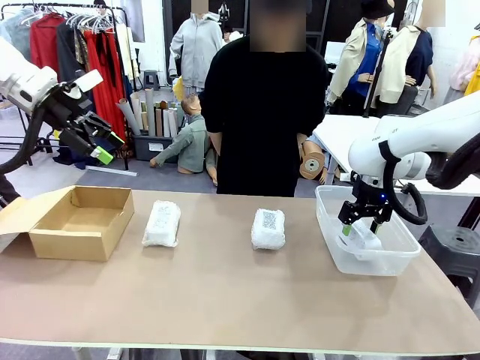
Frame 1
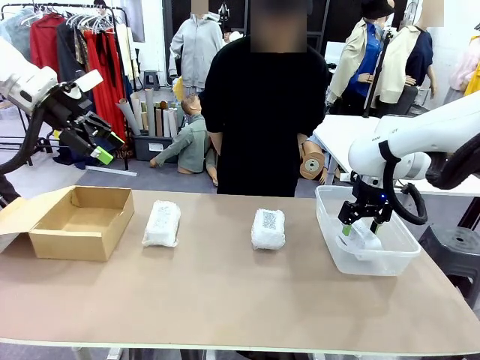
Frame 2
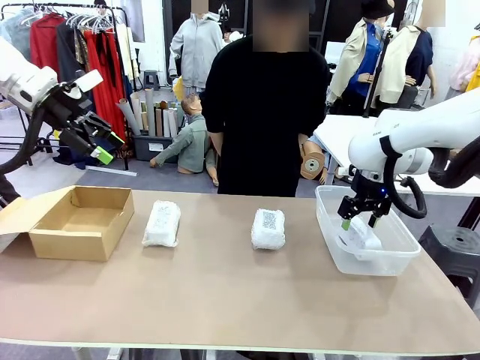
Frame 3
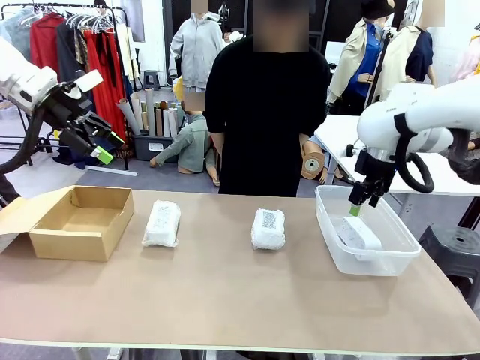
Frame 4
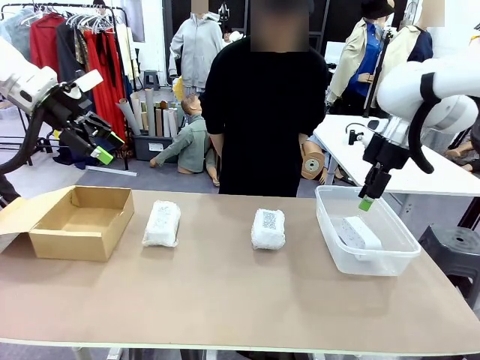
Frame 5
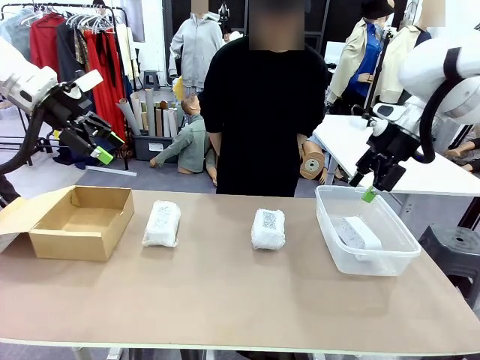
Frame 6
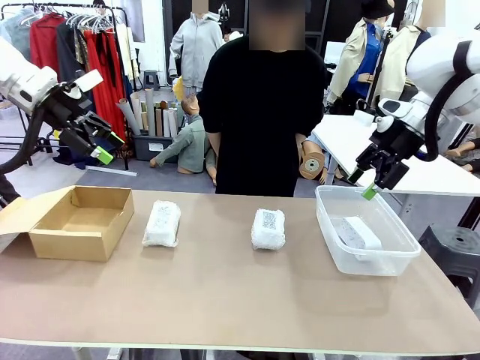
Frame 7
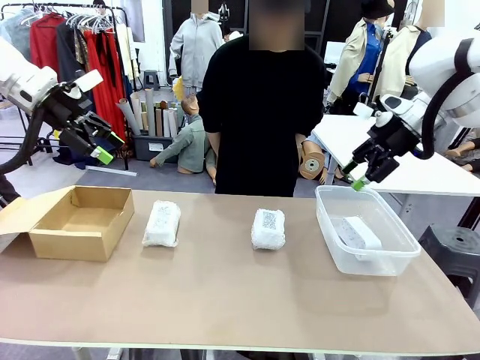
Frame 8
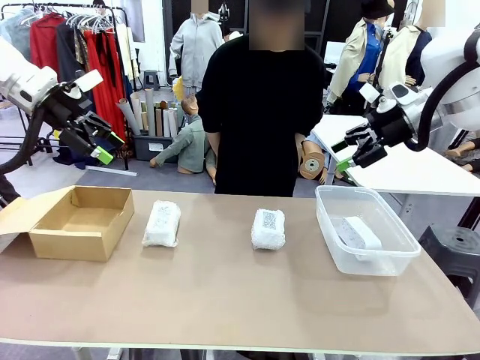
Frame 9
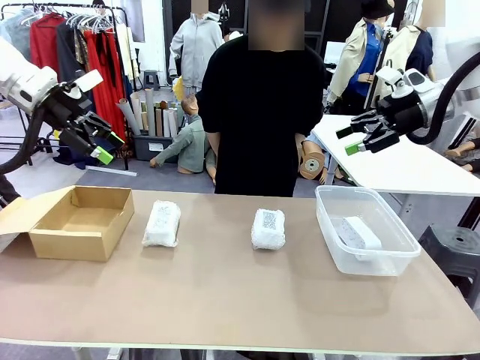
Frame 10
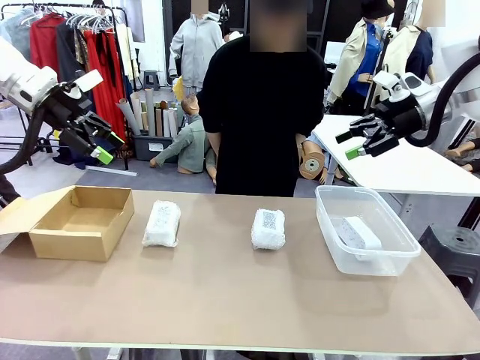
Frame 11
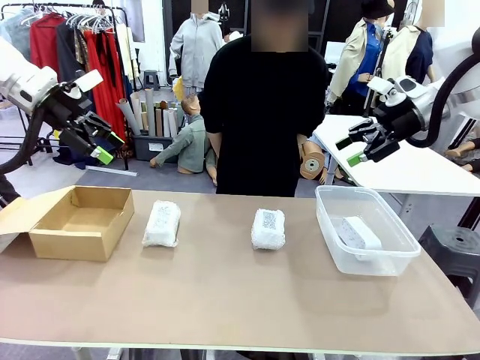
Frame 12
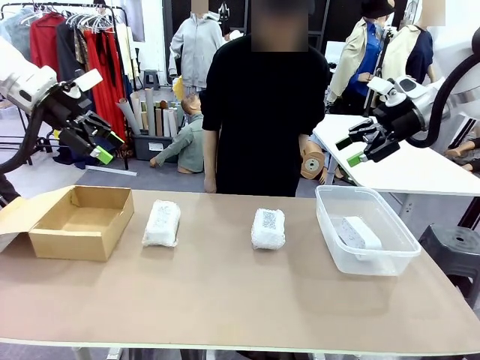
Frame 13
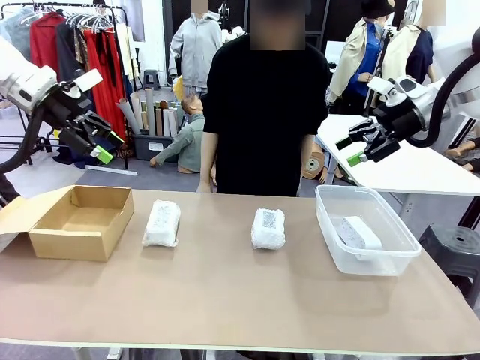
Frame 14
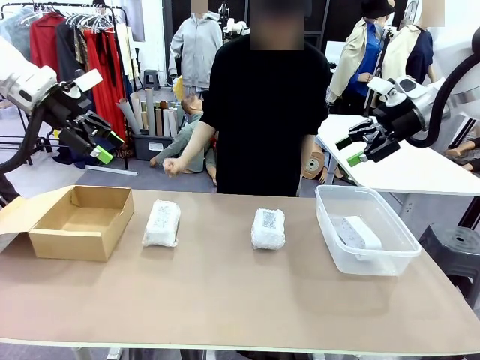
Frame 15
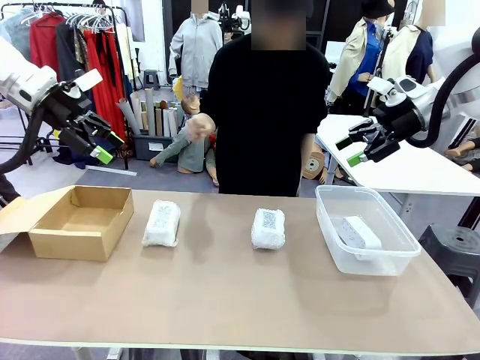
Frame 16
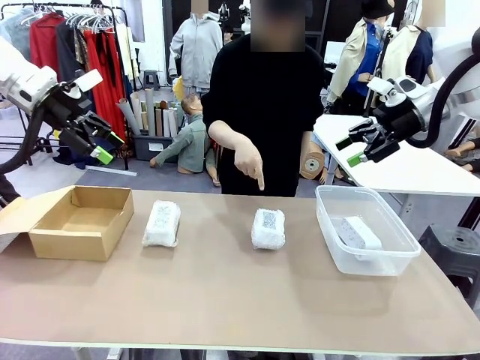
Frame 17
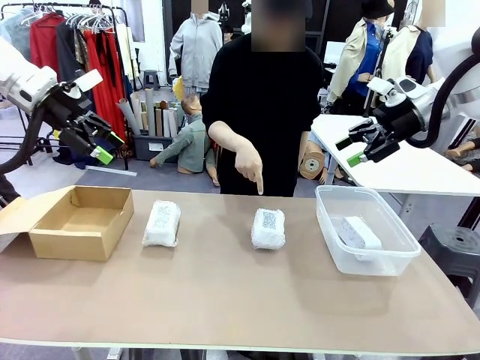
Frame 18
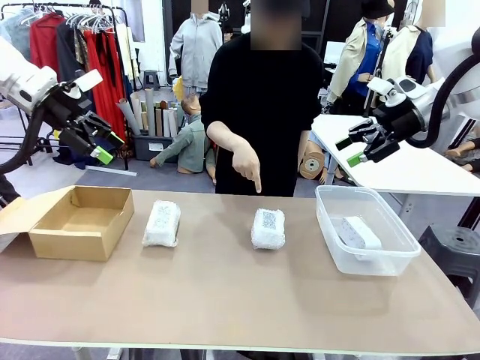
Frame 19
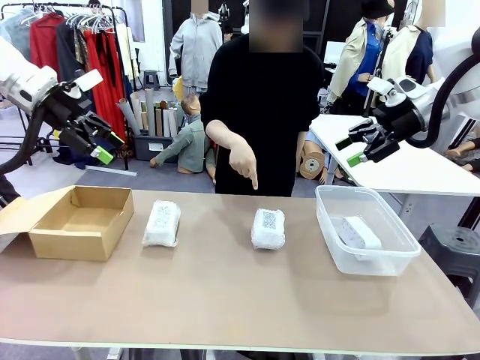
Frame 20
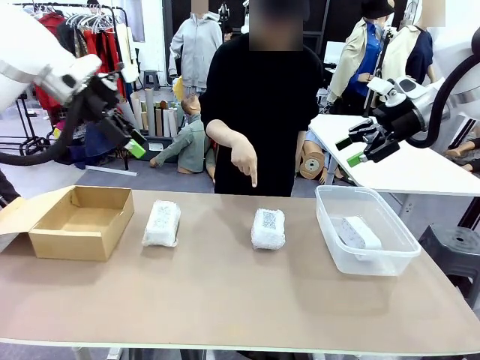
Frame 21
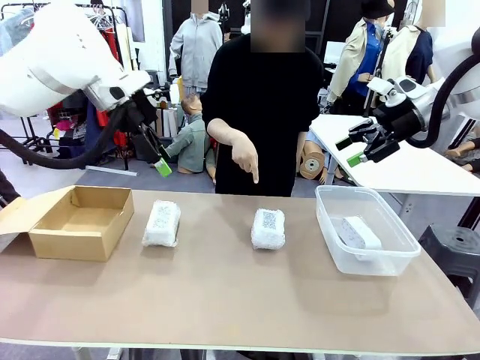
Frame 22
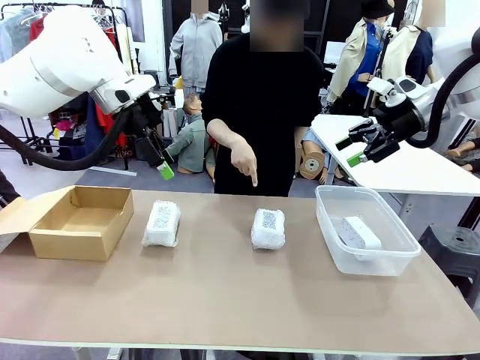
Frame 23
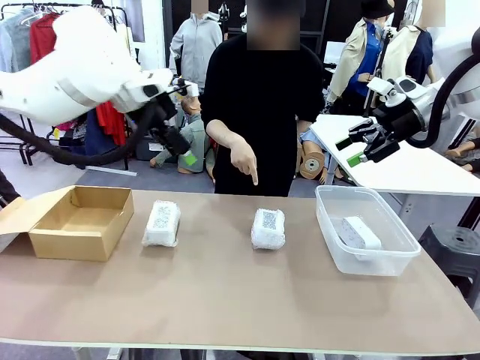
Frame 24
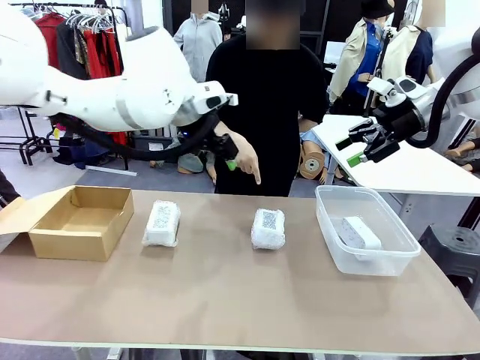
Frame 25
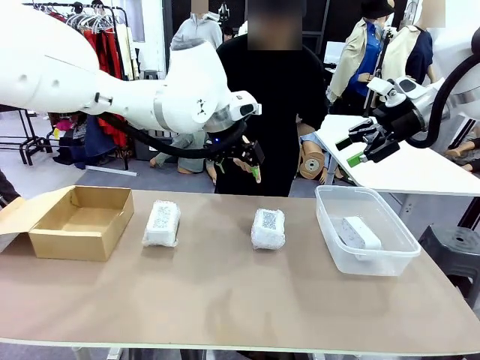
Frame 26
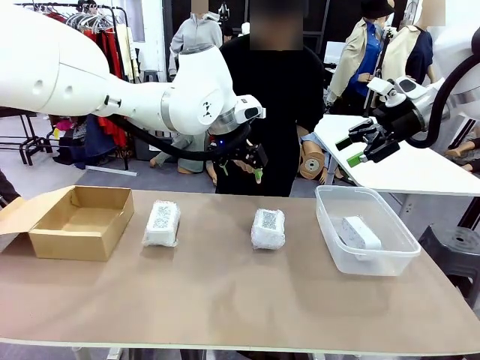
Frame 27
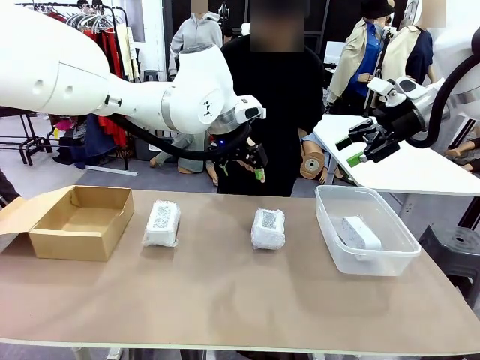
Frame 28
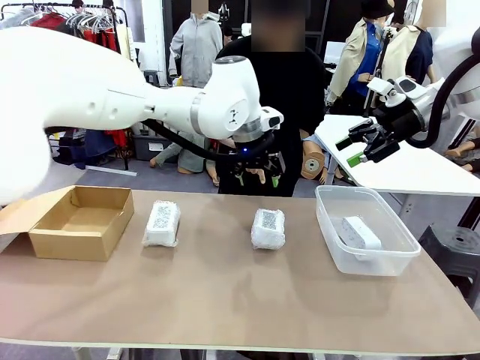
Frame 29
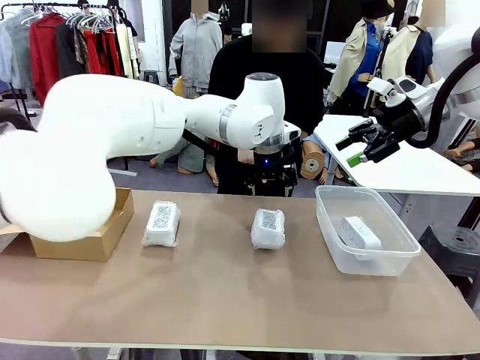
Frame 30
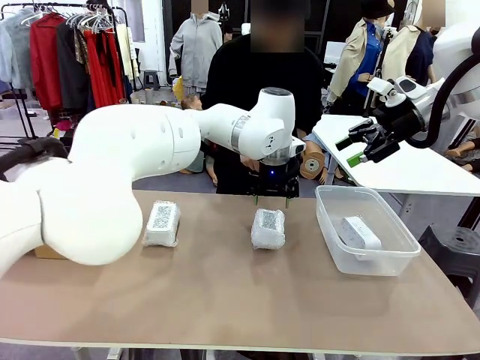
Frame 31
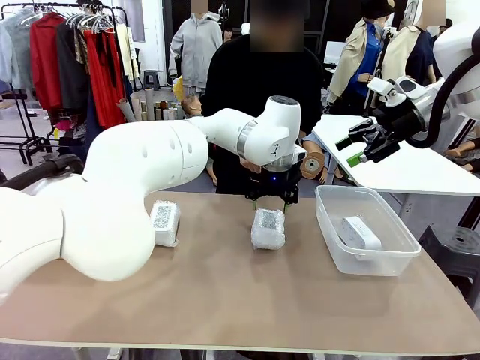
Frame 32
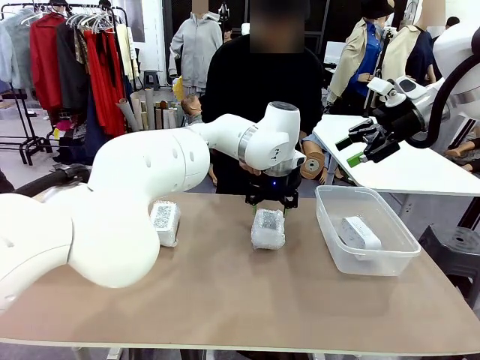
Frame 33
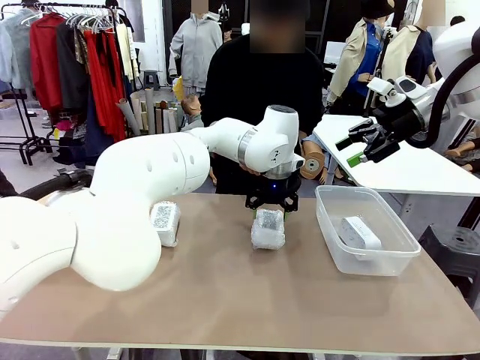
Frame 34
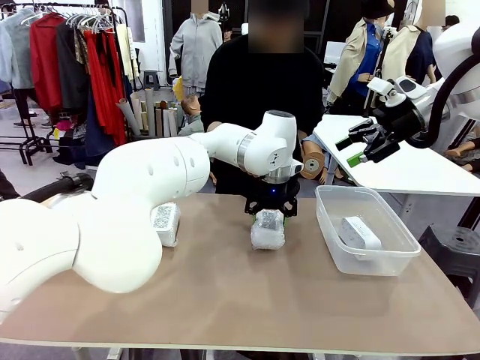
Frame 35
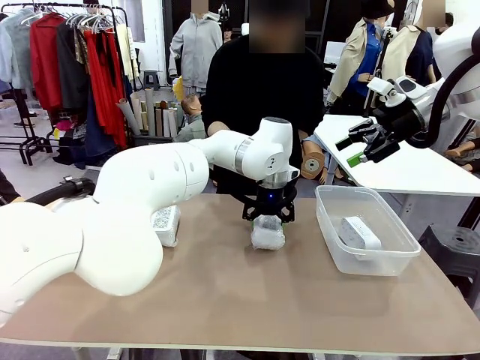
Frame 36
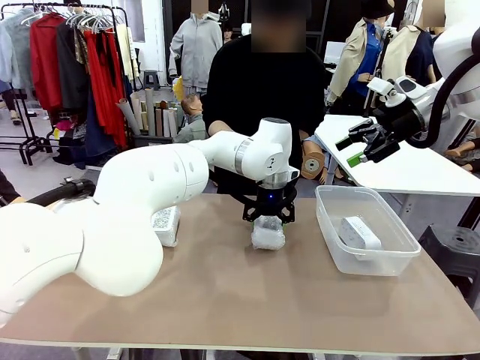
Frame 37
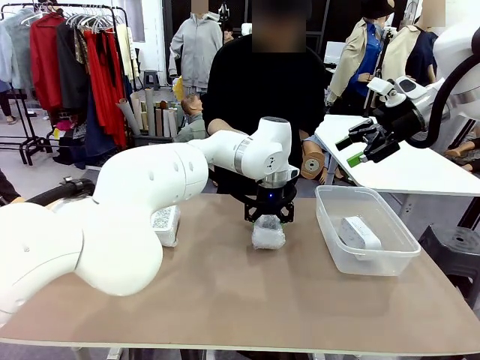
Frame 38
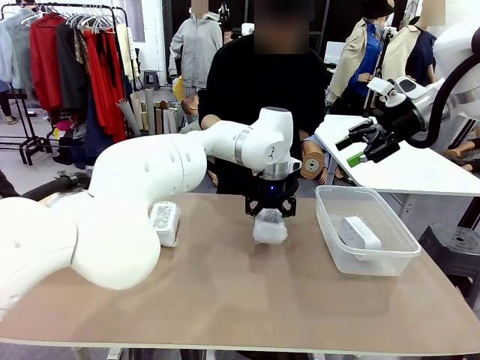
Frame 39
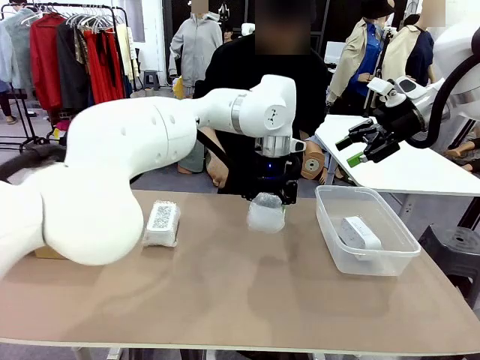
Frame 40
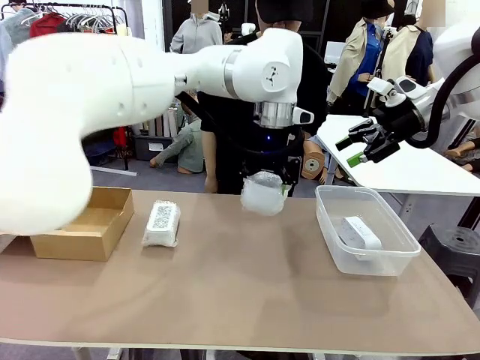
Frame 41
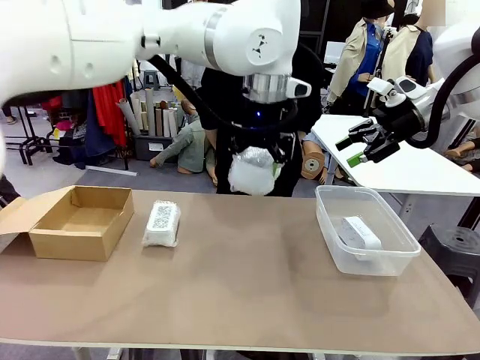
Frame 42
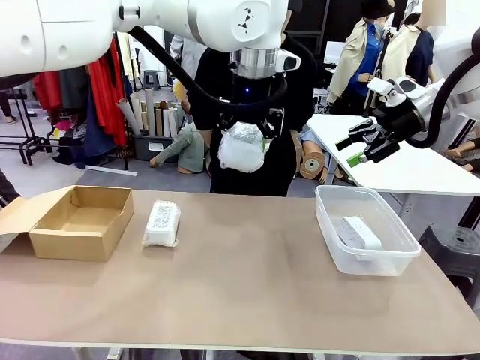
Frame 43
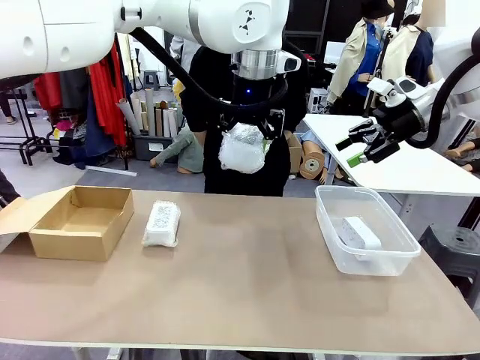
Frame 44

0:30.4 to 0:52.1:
Task: Separate and place wrapped and unwrapped clocks.
Robot: Pick up the Digital clock indicated by the person.

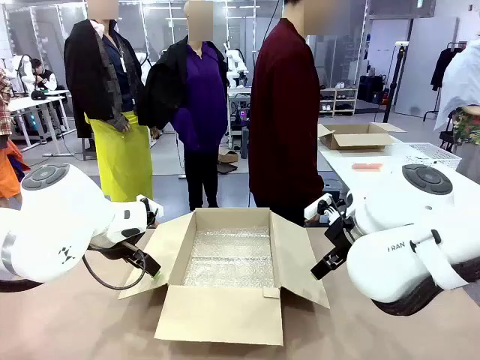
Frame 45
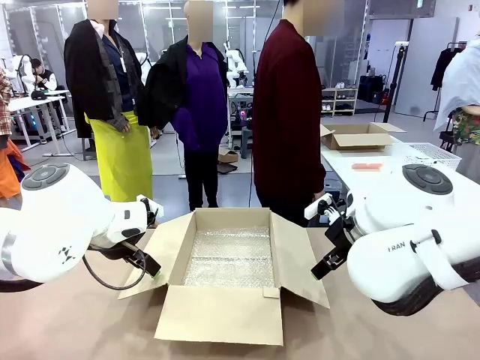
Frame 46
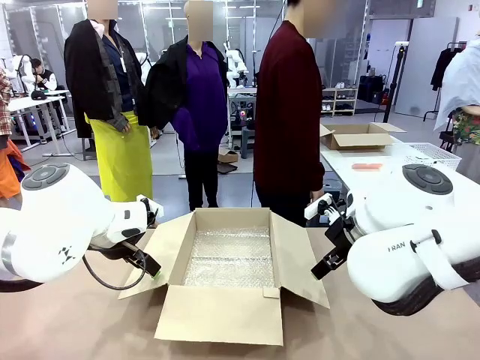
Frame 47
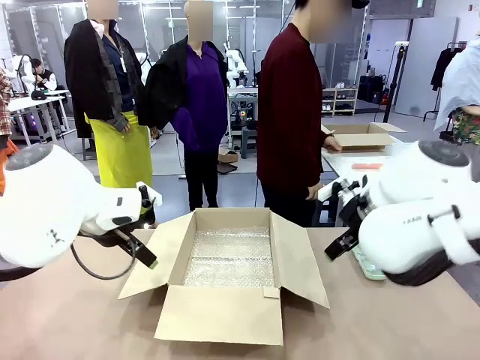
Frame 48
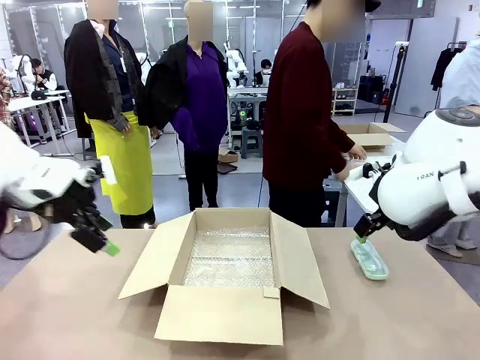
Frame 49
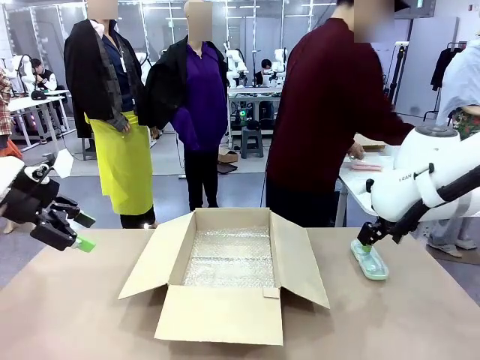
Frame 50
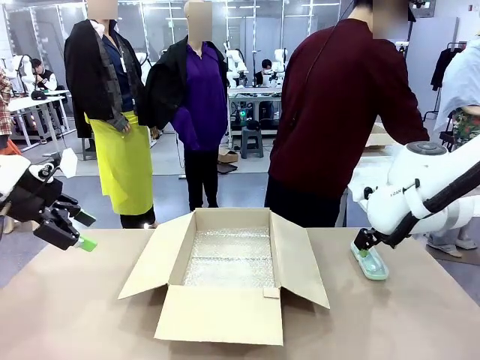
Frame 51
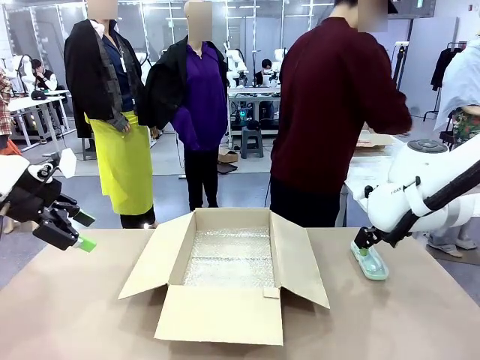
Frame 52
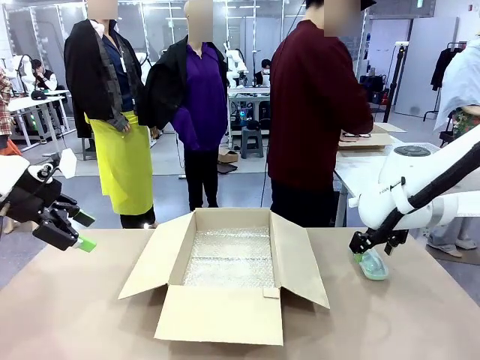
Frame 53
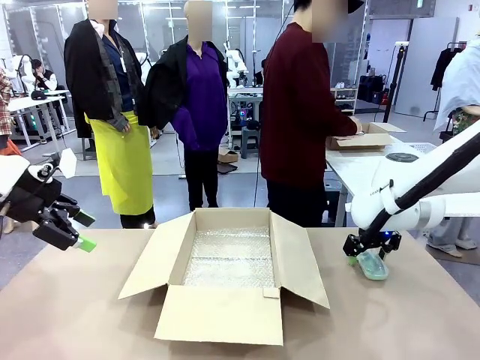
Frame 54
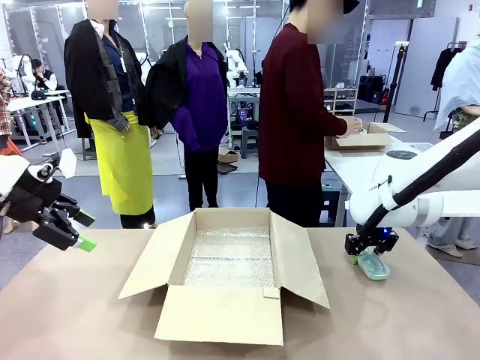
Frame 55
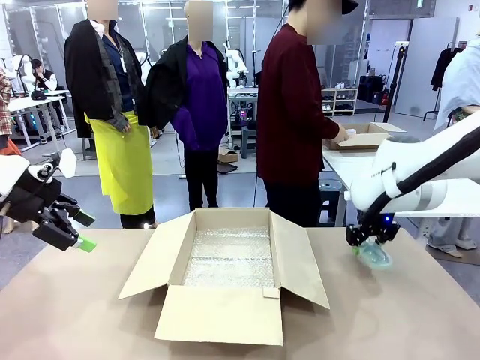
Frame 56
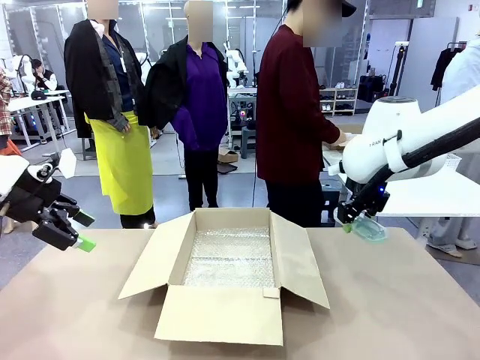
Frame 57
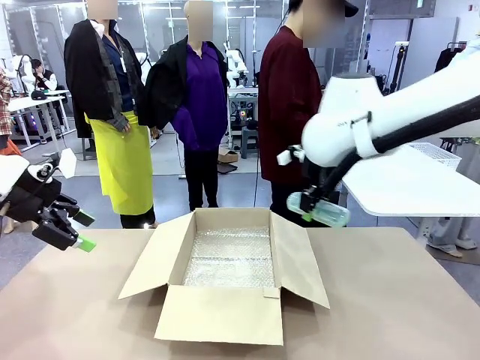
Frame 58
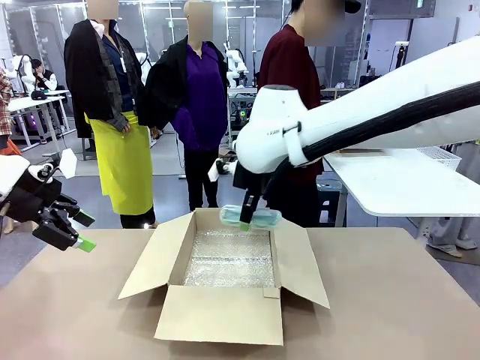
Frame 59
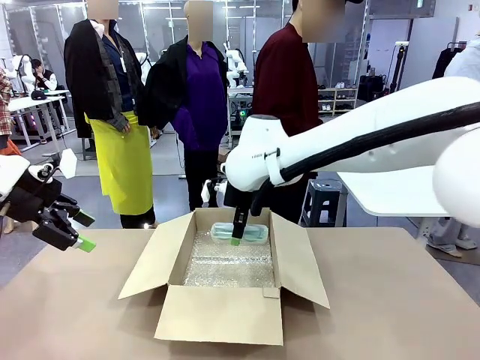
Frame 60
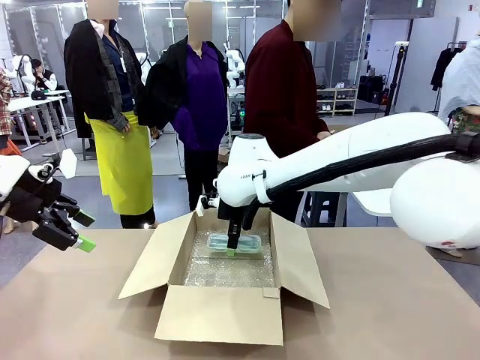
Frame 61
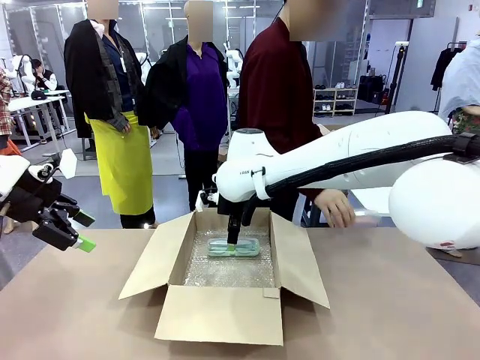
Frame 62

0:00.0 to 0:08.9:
Task: Pack the glasses set securely to prepare it for shipping.
Robot: Place the Glasses case inside the Package Box.
Person: Place the Glasses inside the Glasses case. Position the Glasses case on the left side of the robot's table.
